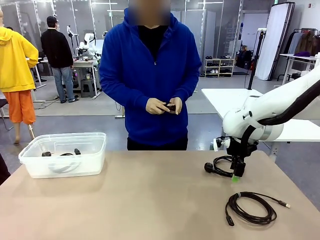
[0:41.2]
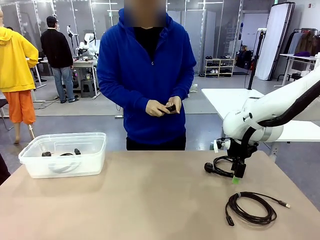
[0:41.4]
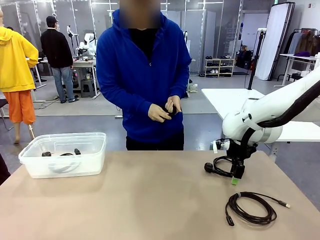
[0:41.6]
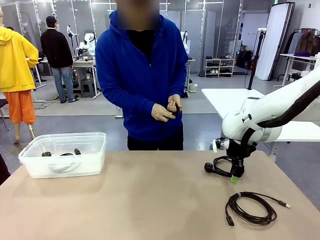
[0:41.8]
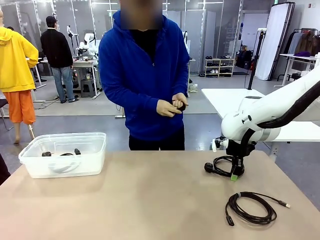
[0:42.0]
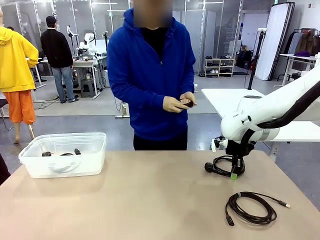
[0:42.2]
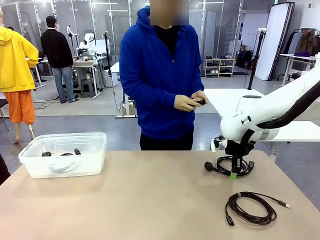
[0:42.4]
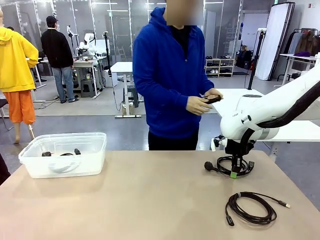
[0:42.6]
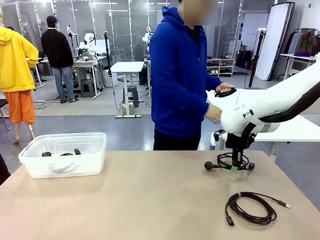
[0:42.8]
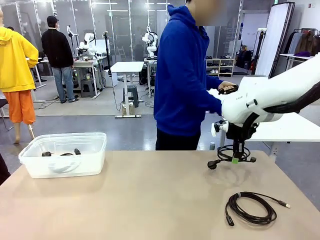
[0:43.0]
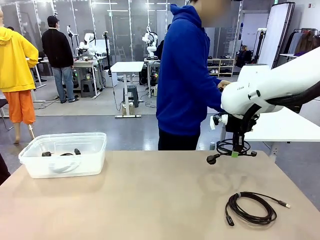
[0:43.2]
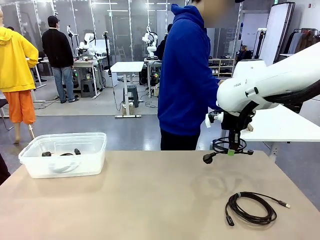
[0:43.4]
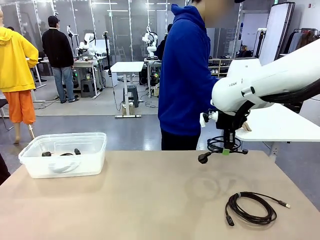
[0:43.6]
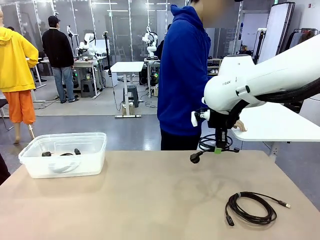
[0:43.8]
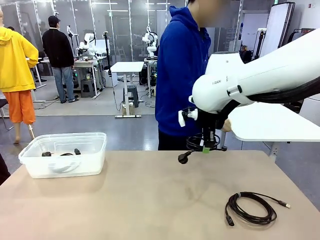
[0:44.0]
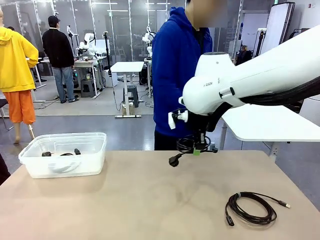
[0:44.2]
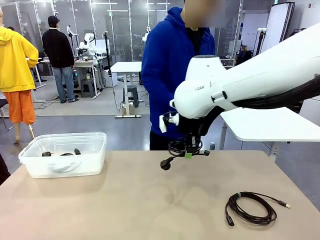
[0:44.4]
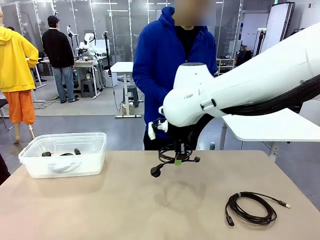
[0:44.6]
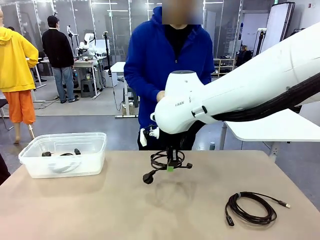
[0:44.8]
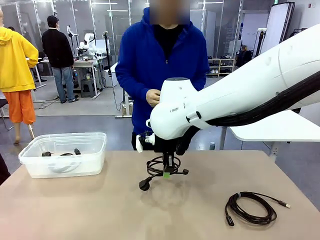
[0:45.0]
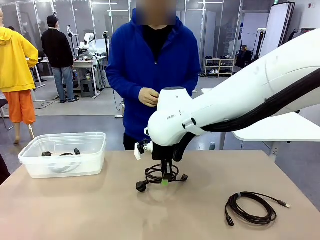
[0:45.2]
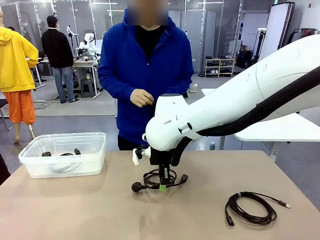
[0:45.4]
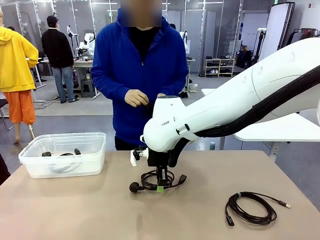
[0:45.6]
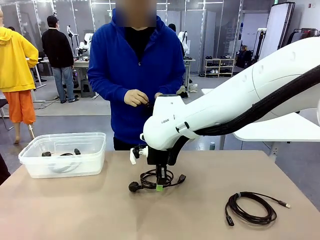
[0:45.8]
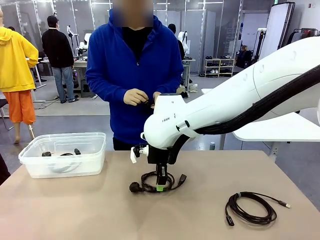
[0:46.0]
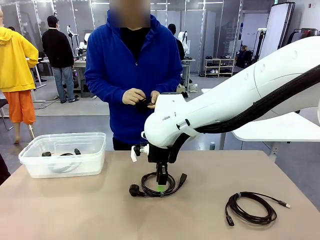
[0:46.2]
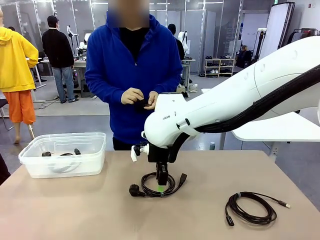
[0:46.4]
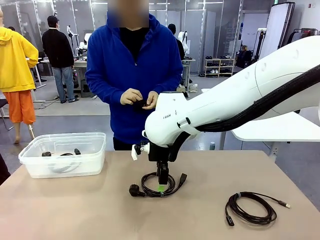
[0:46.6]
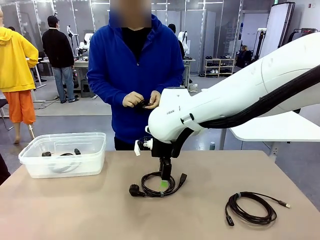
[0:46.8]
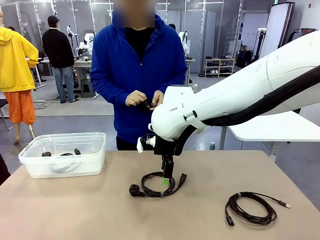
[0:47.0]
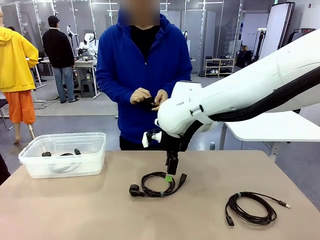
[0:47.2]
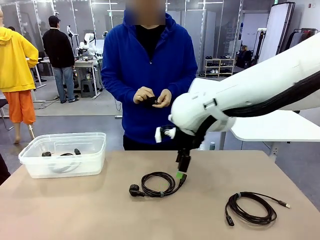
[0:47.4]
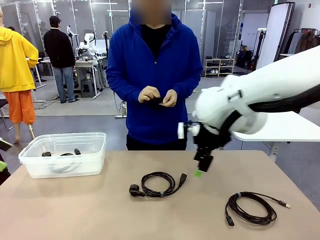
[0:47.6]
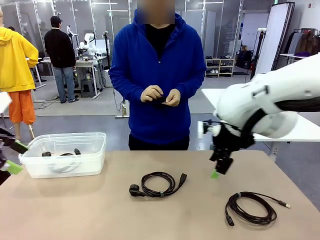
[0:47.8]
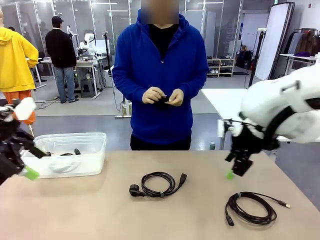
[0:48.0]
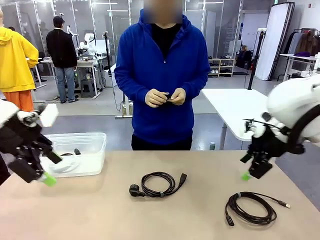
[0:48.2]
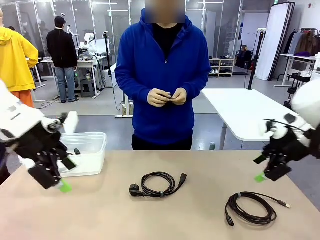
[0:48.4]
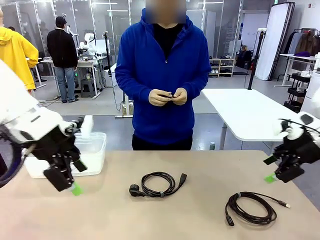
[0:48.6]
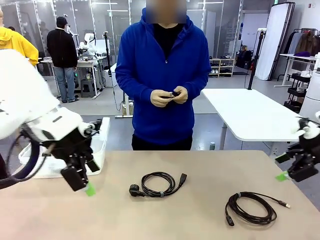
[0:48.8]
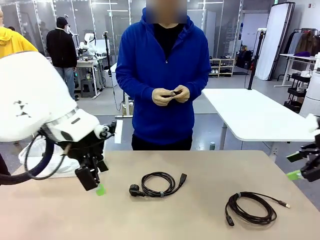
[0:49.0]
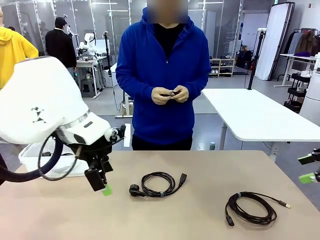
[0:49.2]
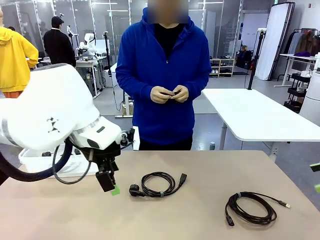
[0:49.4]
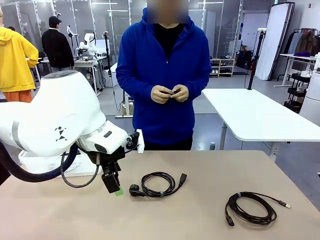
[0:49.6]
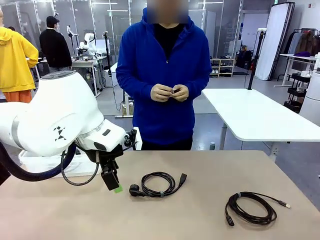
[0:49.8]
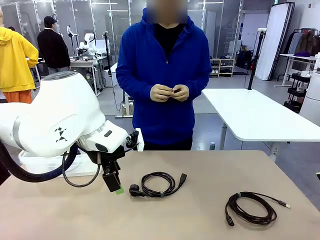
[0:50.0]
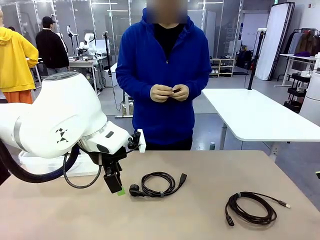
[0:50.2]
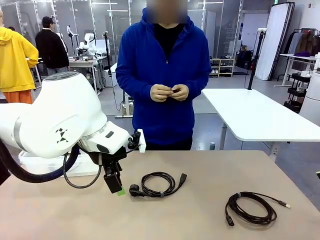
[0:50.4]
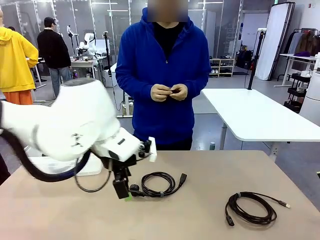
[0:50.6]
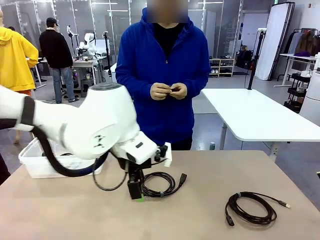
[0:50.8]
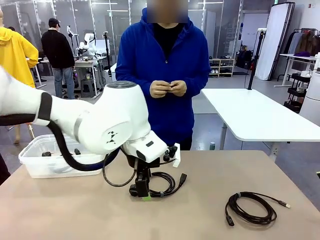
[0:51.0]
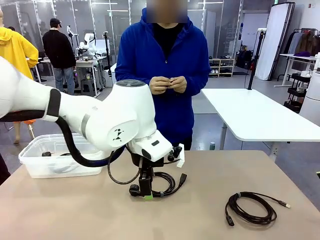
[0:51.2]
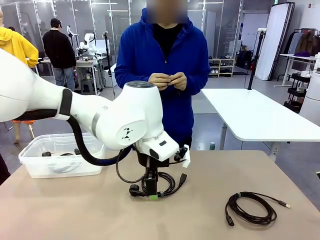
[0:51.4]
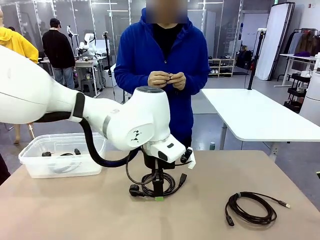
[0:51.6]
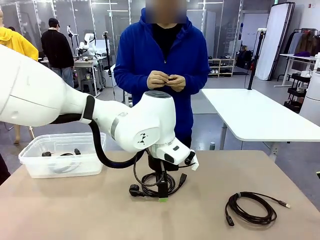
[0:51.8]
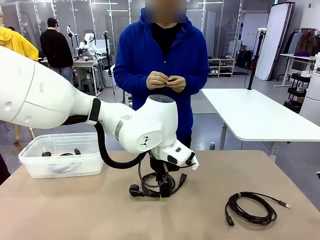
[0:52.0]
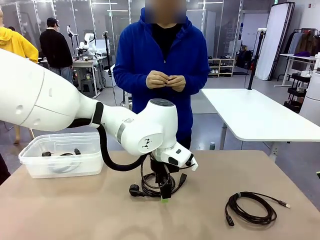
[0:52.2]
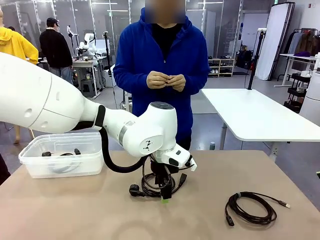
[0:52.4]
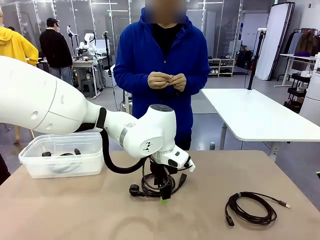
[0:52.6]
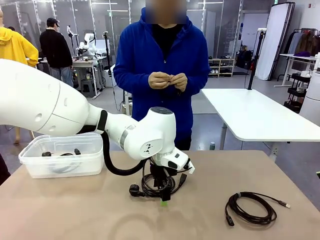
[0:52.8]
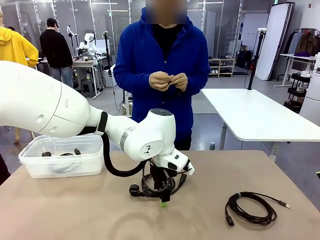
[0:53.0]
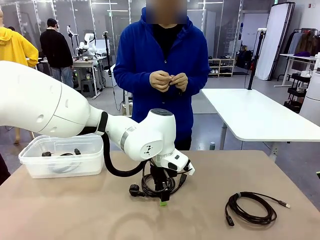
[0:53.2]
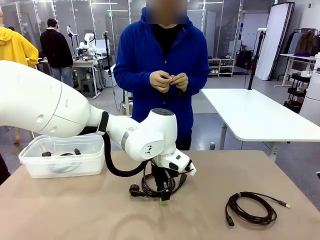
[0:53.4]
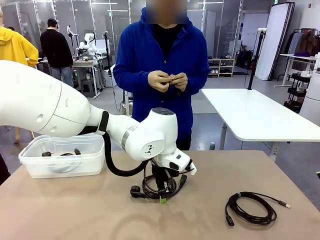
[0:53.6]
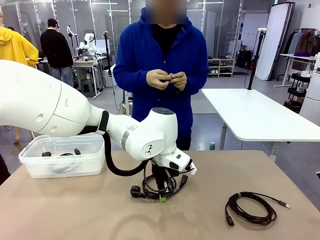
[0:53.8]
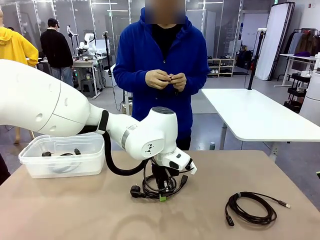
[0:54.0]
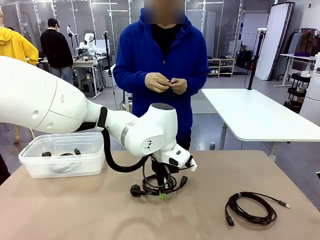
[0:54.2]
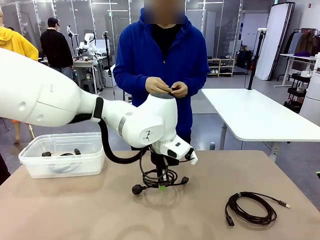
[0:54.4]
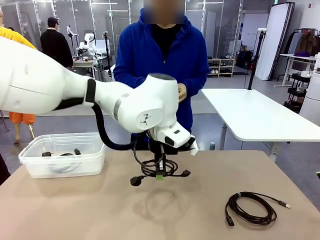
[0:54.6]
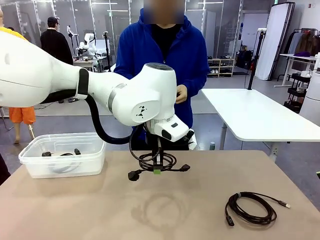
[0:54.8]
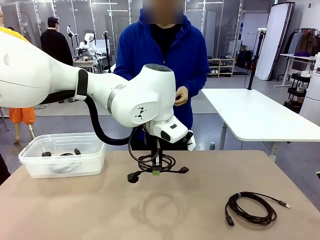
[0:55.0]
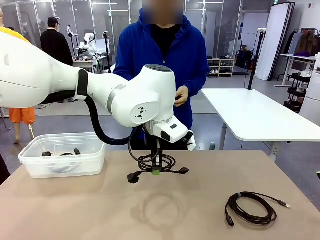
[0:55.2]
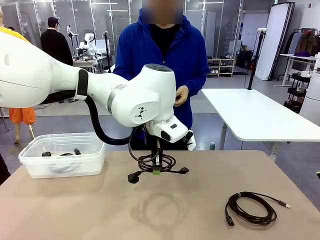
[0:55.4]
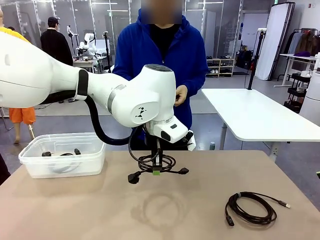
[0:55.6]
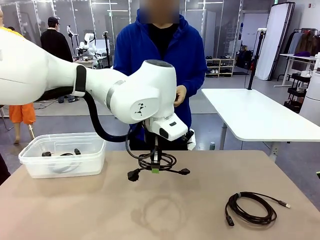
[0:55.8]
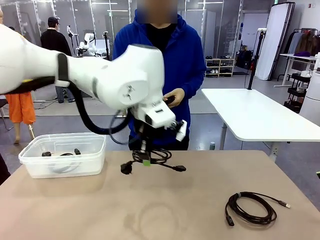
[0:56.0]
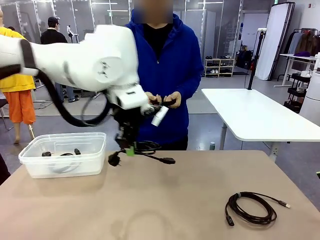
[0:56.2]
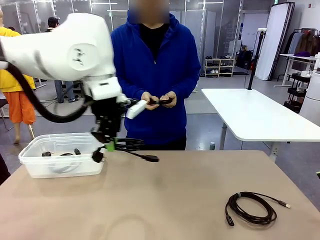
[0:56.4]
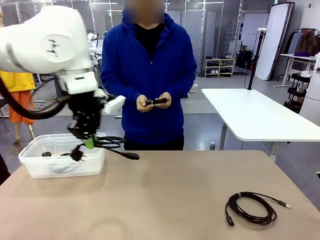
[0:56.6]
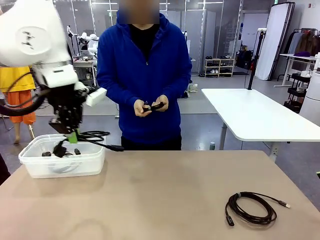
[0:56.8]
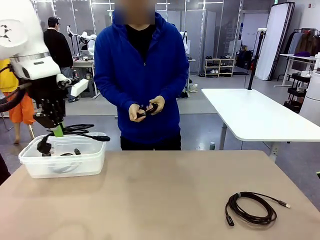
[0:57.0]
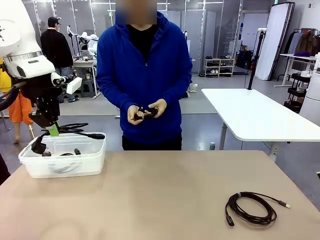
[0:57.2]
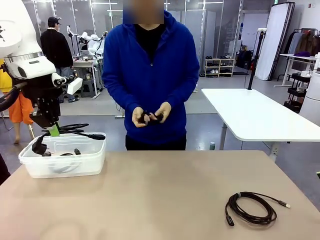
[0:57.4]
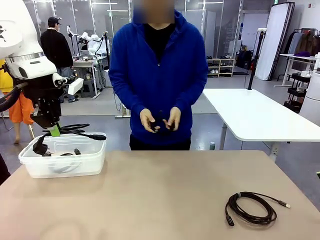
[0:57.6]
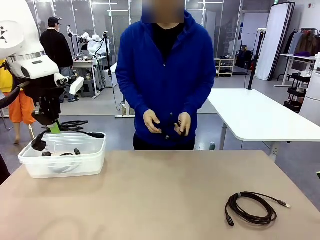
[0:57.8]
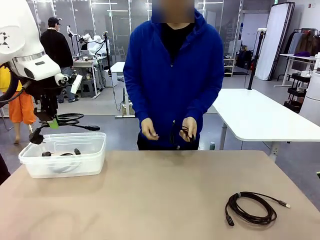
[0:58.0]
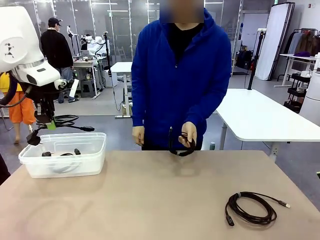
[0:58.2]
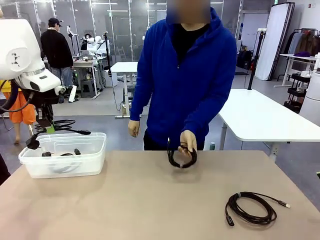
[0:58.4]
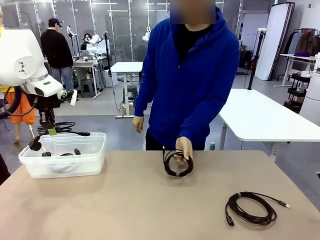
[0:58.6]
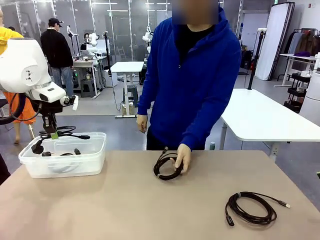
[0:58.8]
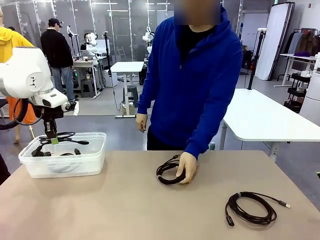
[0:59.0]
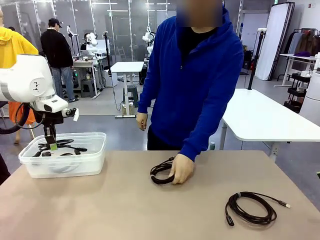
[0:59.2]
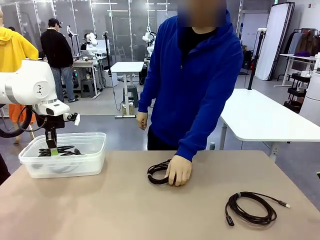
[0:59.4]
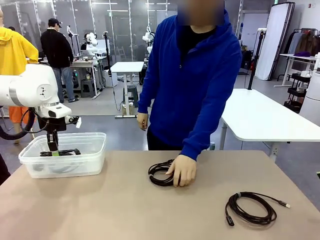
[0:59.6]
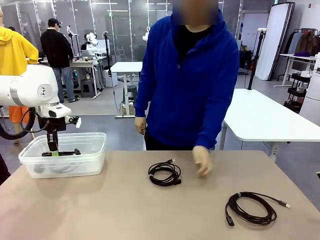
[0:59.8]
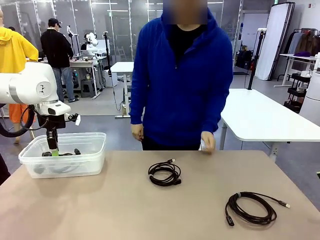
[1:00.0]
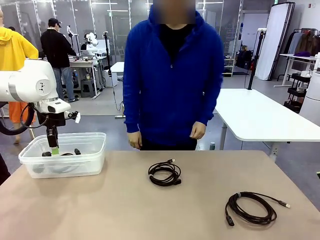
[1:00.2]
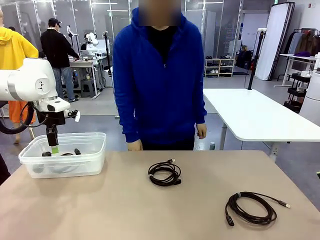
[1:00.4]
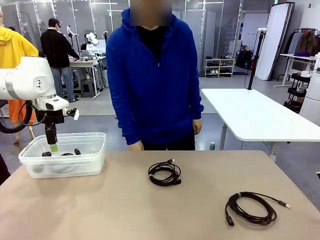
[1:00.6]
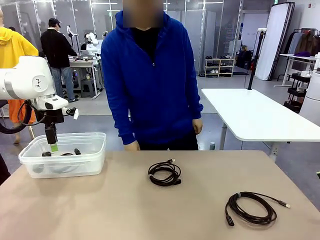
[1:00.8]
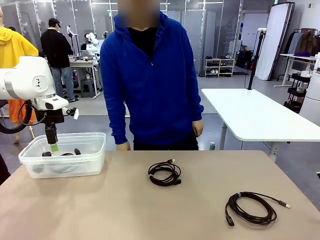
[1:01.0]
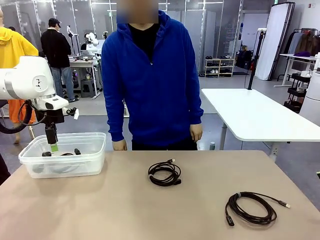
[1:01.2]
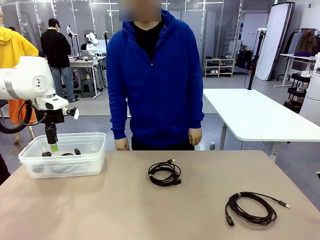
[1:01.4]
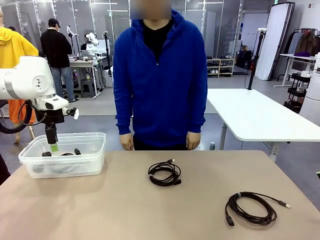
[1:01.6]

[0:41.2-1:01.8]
Task: Organize and store the cables.
Robot: Place the Power Cable into the Organizing box.
